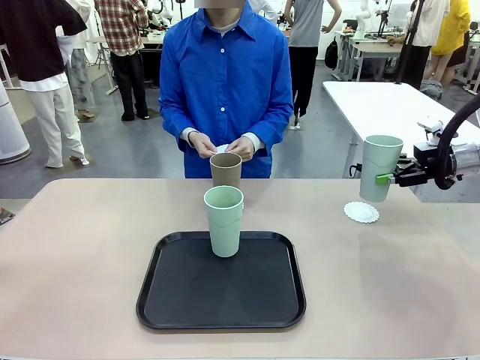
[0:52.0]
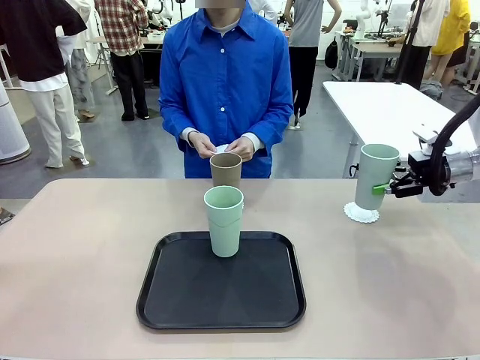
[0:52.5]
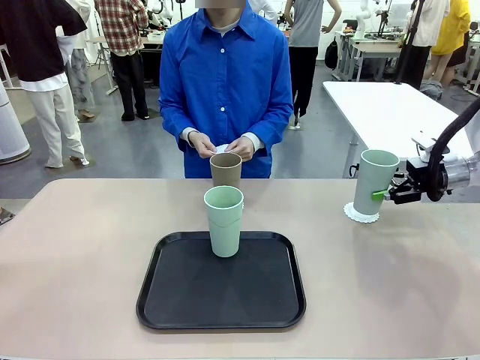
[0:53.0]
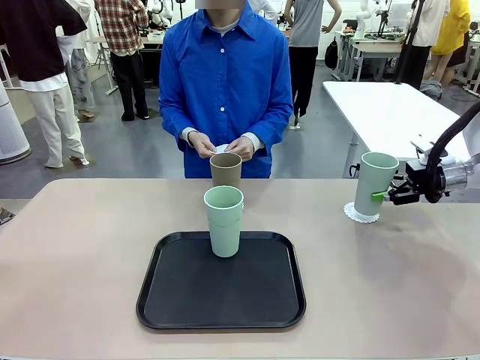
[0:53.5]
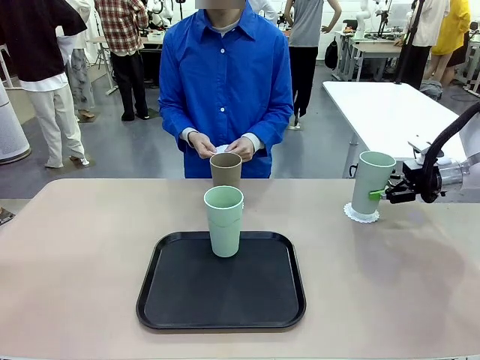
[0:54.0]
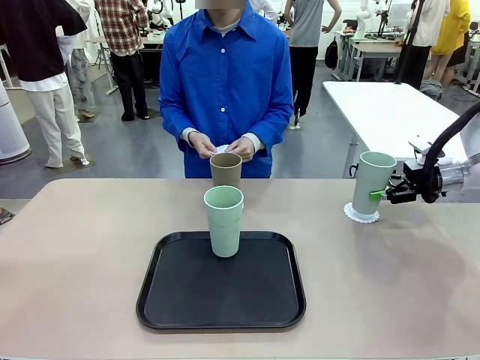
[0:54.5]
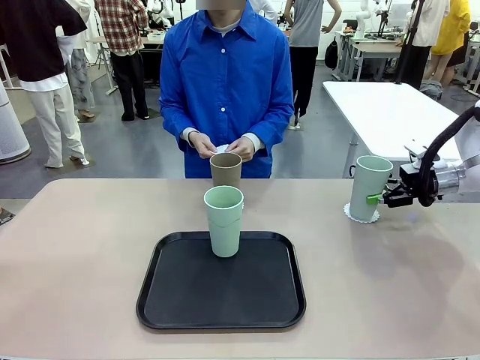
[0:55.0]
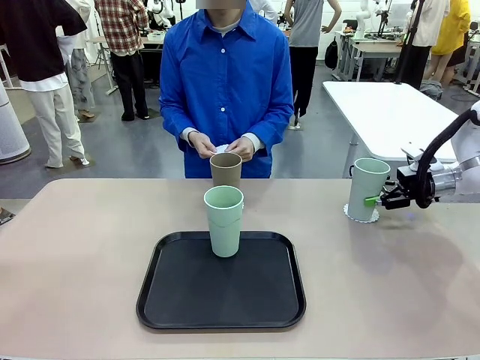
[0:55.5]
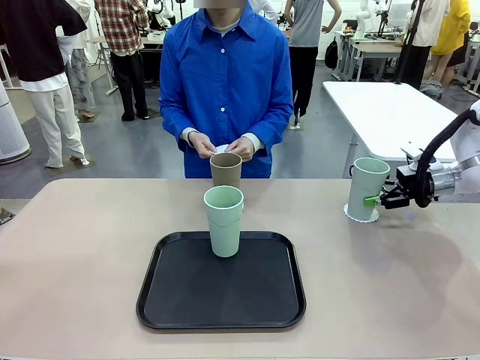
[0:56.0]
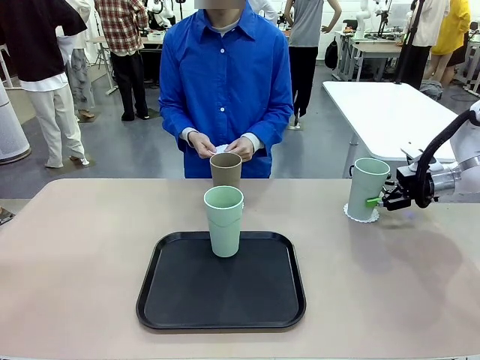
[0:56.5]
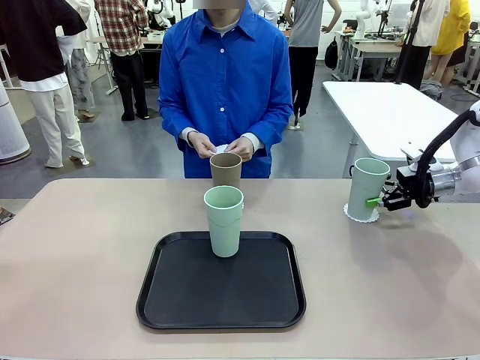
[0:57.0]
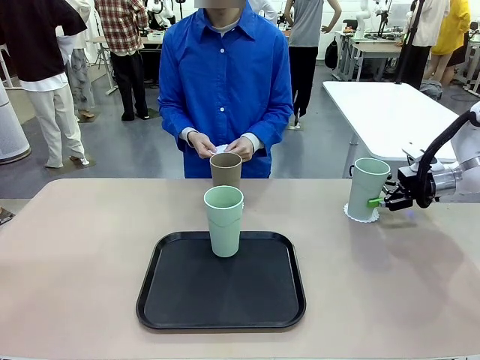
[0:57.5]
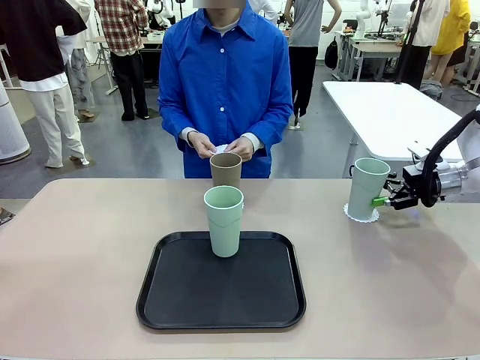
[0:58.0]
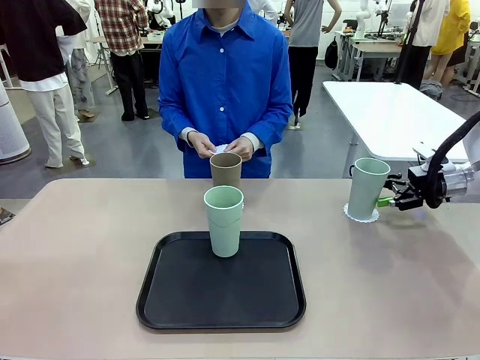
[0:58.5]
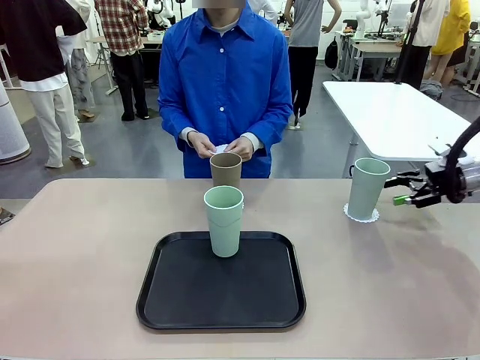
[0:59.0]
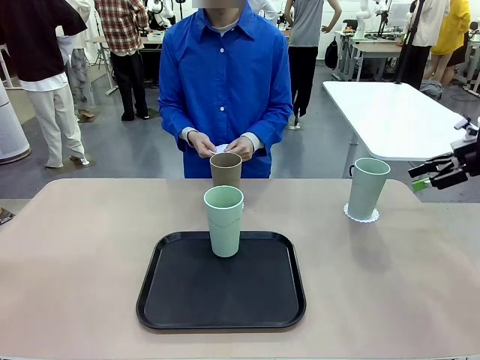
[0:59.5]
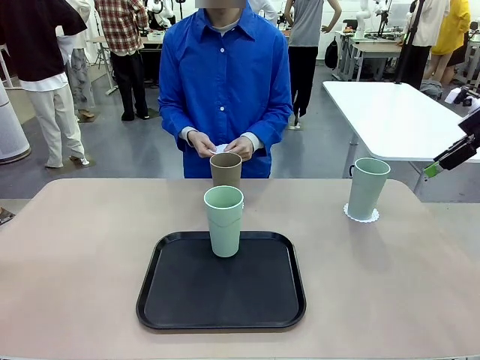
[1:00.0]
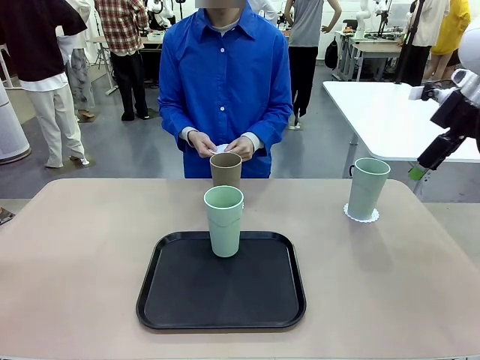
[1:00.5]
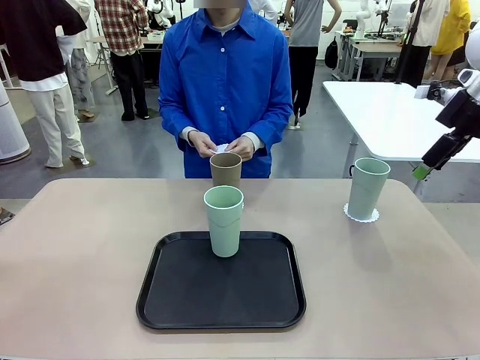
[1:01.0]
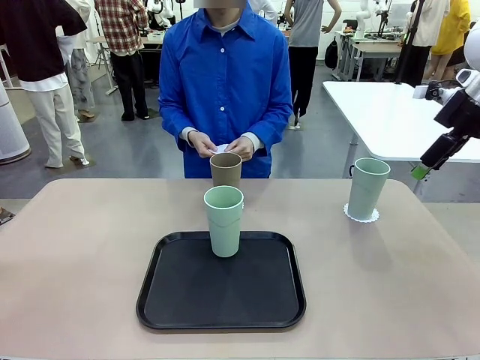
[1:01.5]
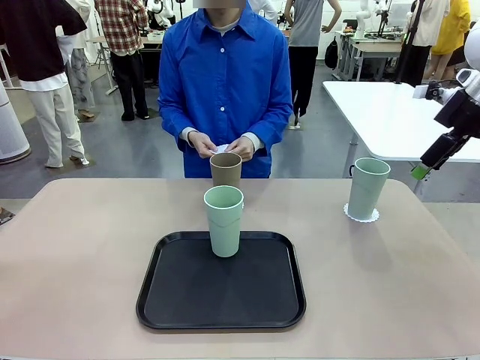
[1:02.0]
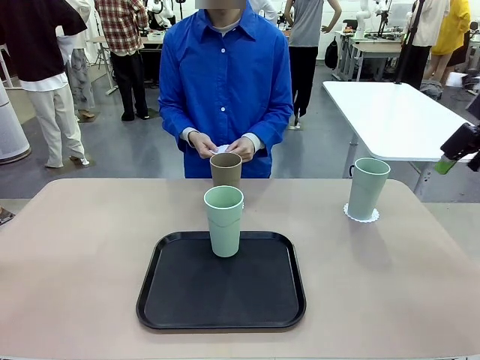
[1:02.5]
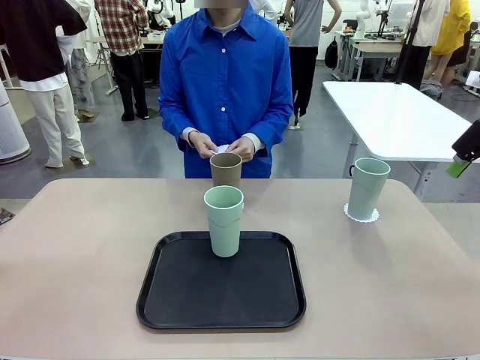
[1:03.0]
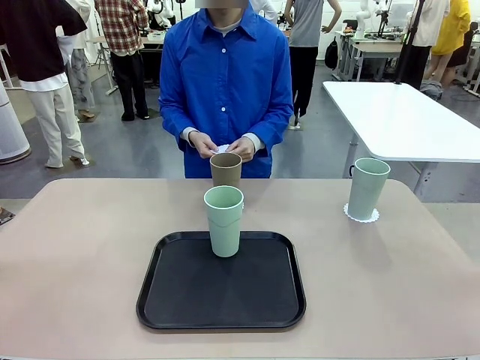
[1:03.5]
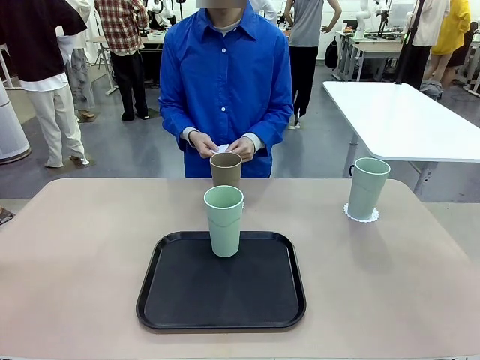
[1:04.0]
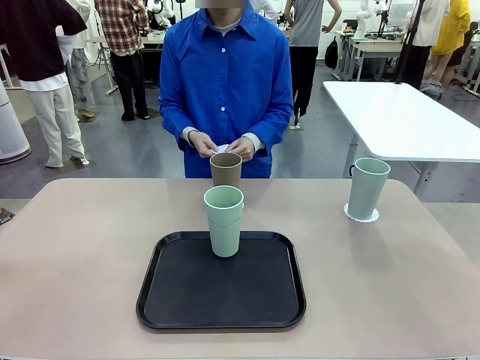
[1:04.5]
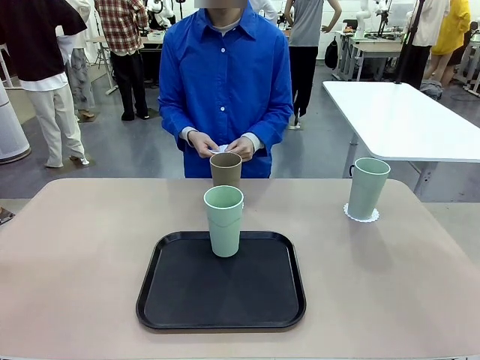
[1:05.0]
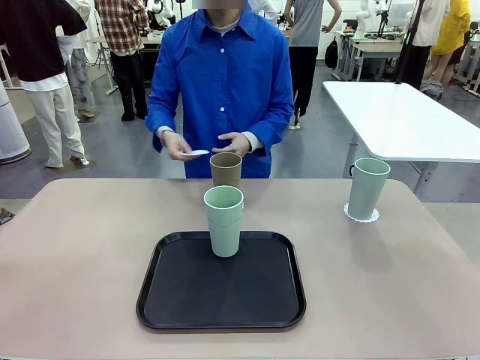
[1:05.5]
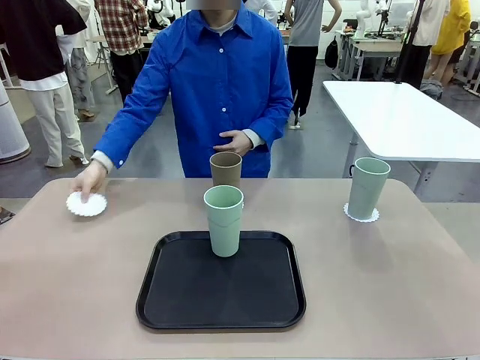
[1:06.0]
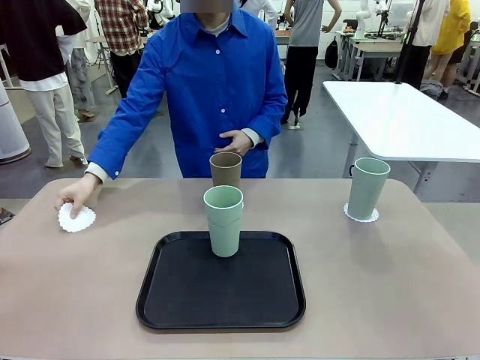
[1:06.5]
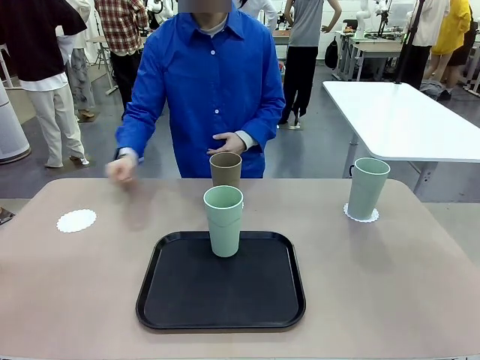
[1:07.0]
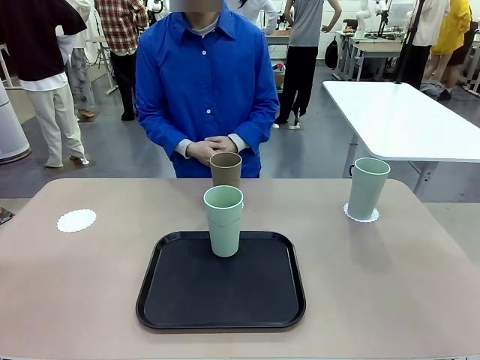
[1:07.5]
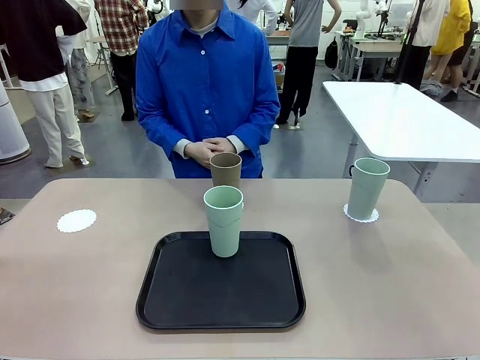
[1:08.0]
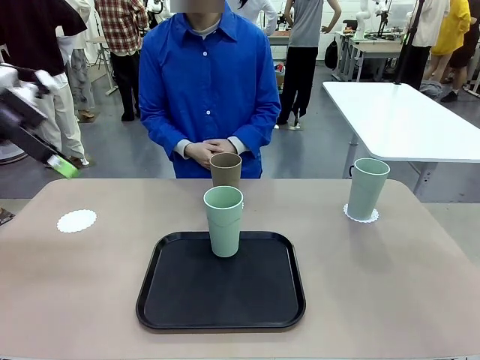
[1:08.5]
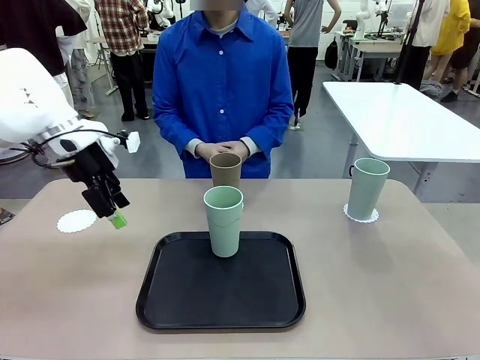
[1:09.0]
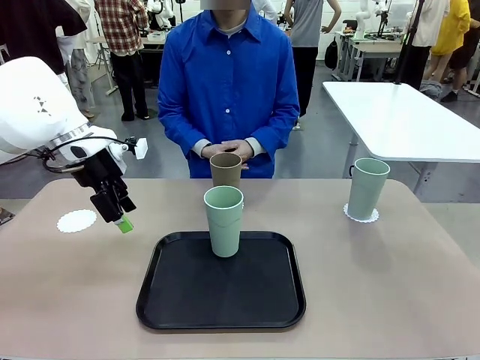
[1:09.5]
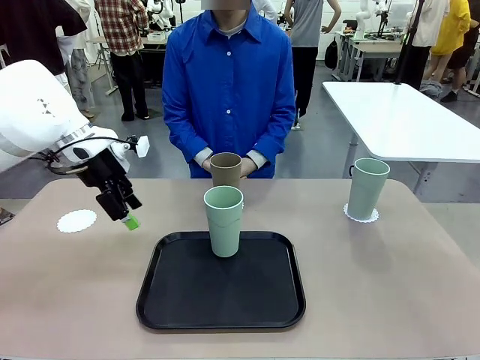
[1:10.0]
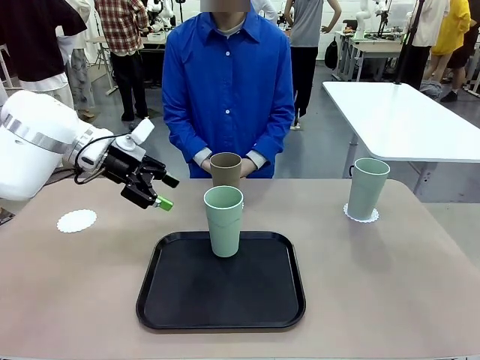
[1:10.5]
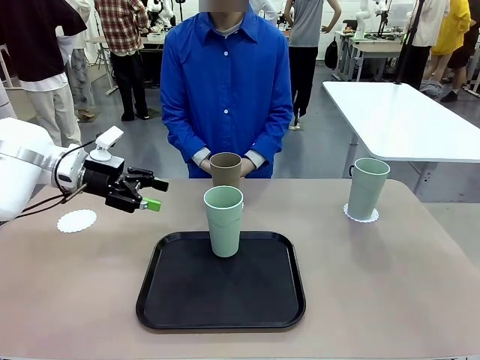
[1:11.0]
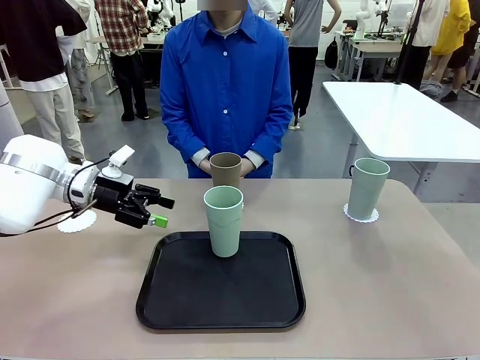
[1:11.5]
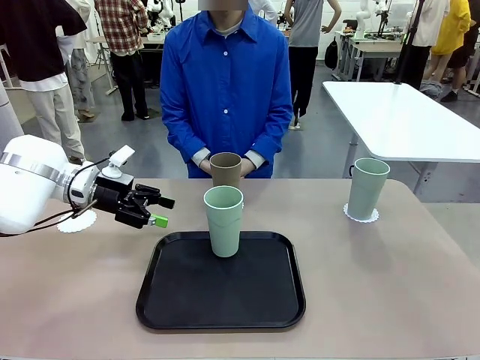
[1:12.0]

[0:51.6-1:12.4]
Task: Place coasters on the table and set cups on them.
Robot: Take one Reusable plastic cup from the Flat Tray and place it on a coaster set by the human.

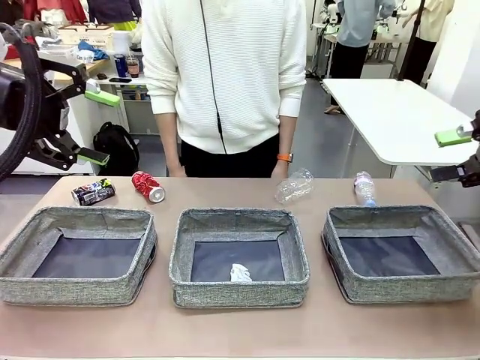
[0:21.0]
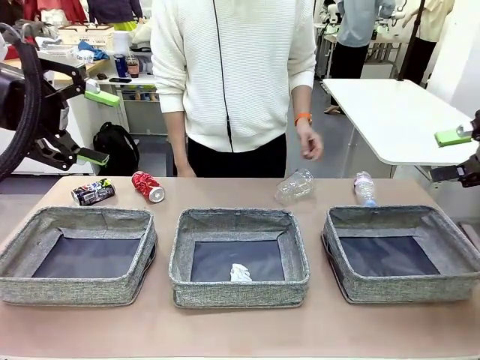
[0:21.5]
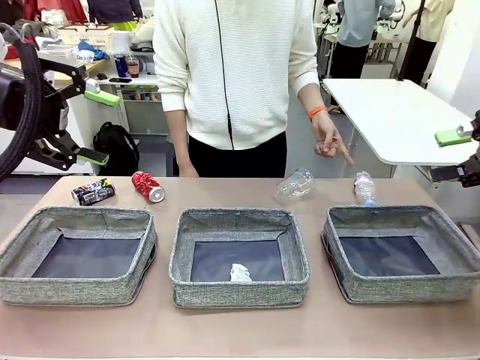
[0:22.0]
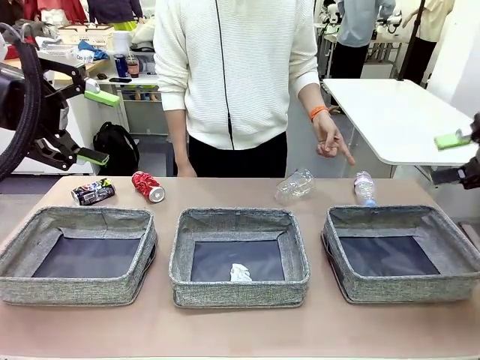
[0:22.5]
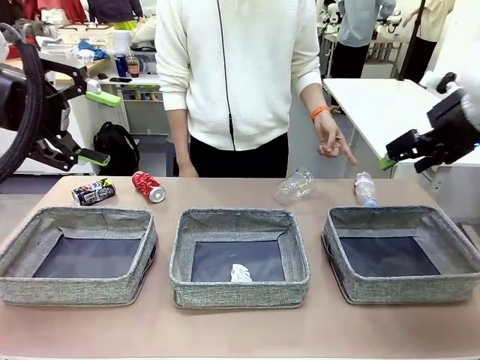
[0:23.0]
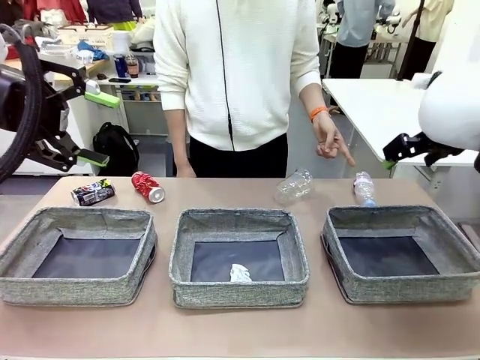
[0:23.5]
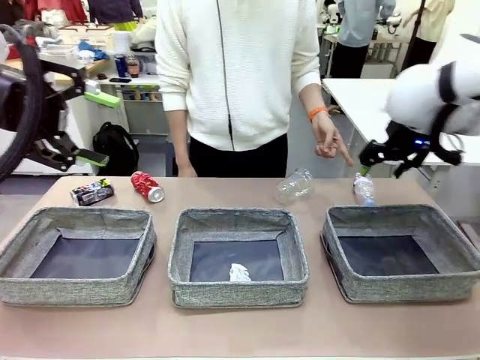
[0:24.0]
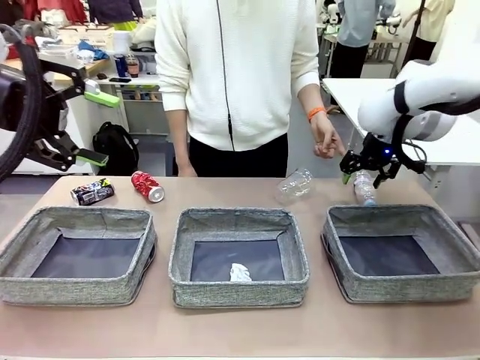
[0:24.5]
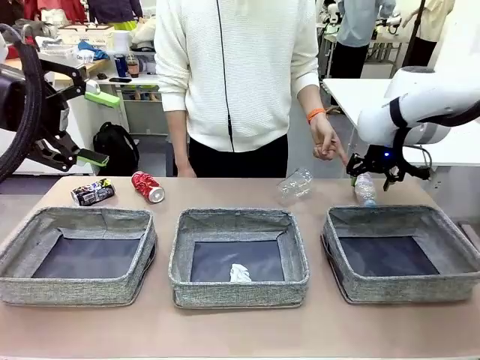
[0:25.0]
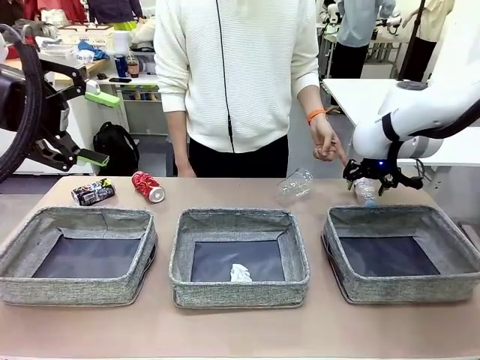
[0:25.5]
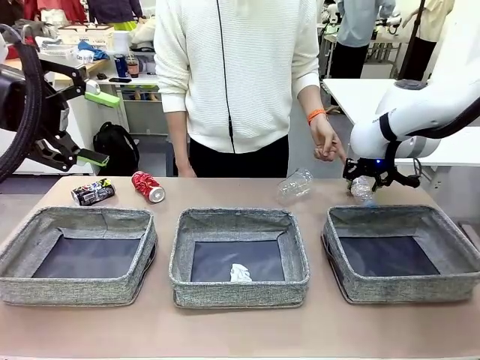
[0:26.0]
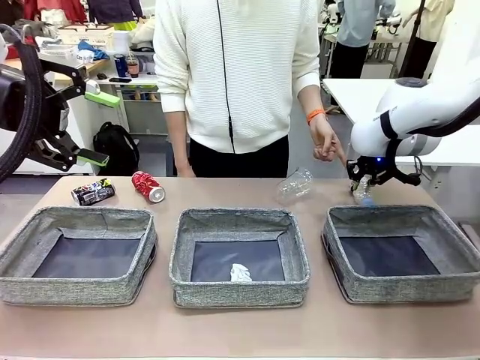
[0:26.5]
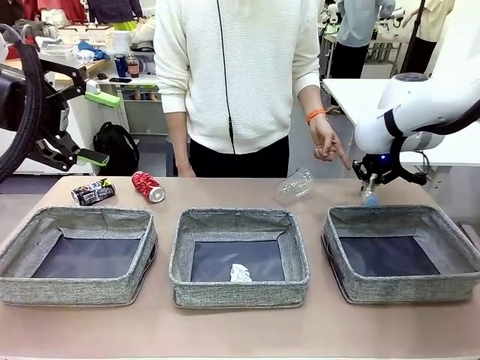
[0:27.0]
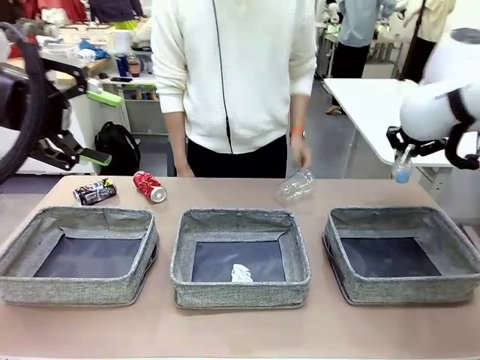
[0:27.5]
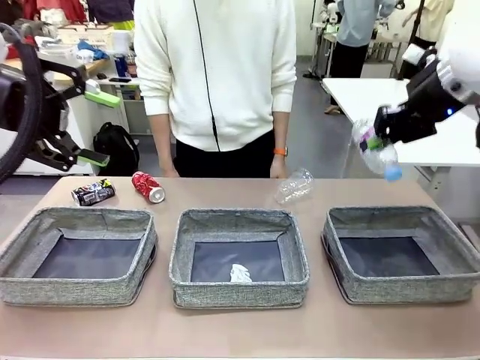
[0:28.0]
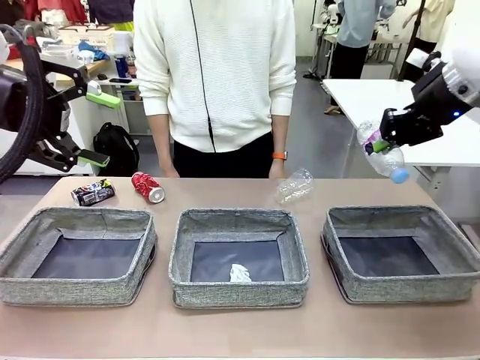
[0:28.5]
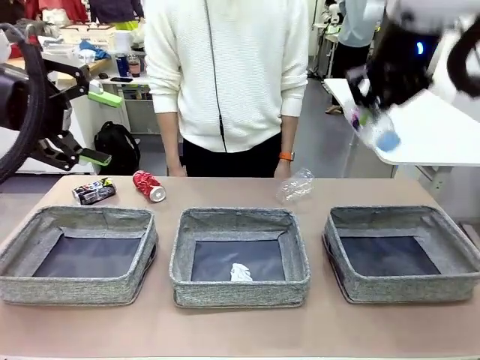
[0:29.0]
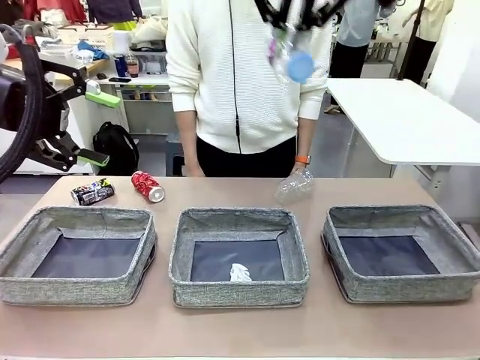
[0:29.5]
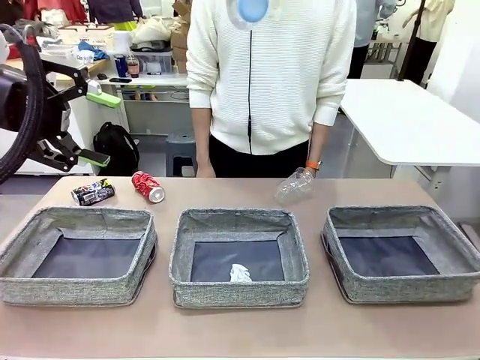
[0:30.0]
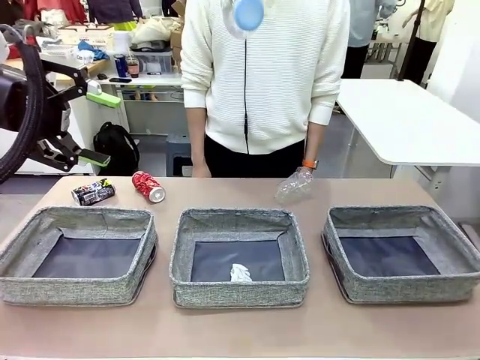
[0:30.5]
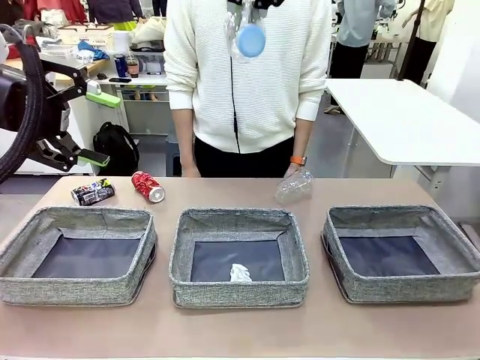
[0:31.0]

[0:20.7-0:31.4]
Task: Sort the waste into the appropriate baskets.
Robot: Pick up the waste item pointed out by the person.
Person: Points to one piece of trash on the table.
